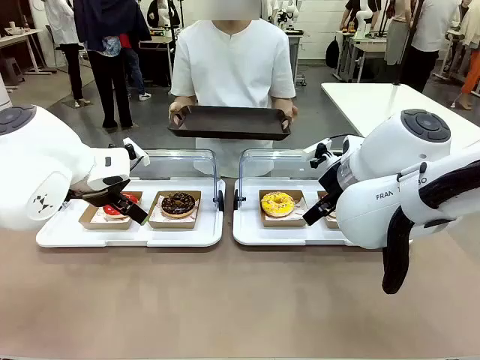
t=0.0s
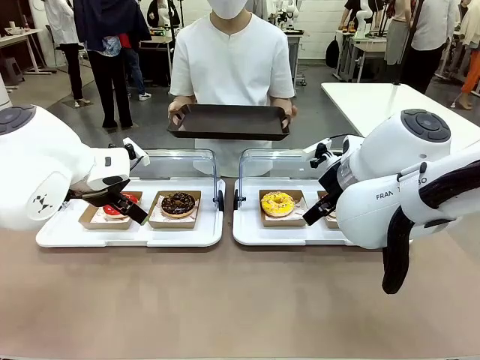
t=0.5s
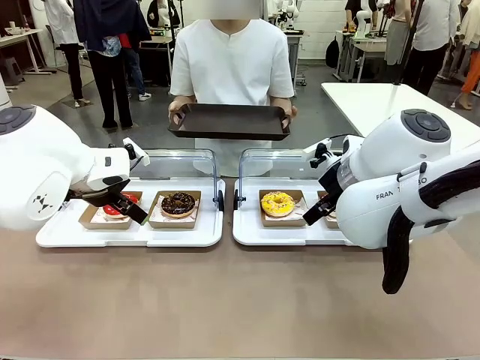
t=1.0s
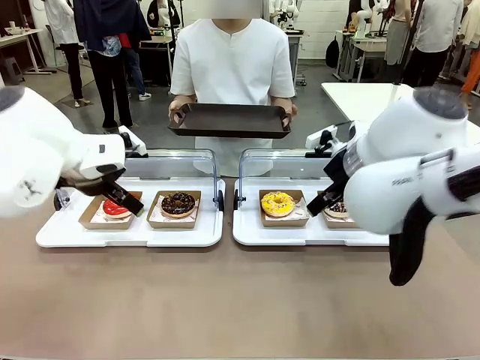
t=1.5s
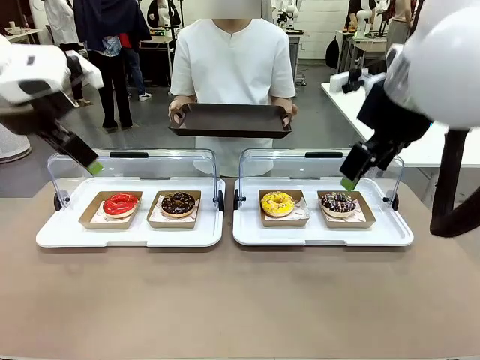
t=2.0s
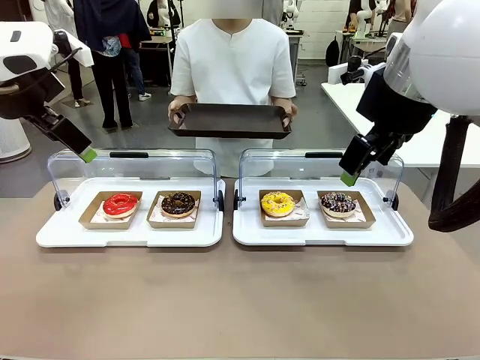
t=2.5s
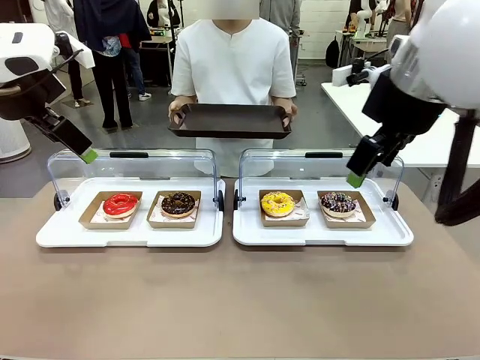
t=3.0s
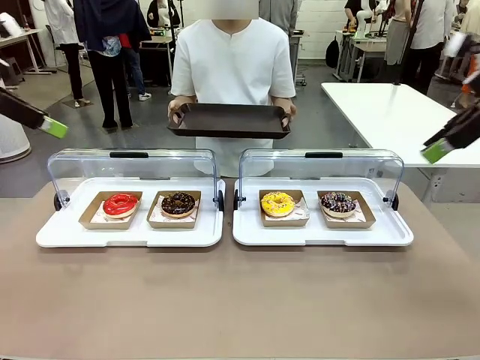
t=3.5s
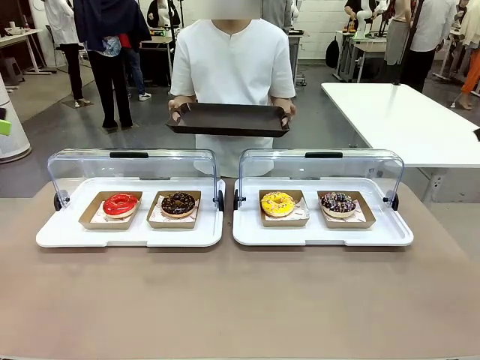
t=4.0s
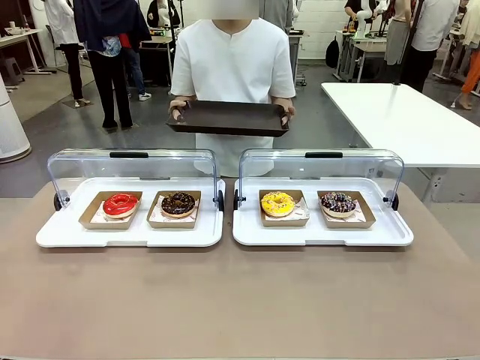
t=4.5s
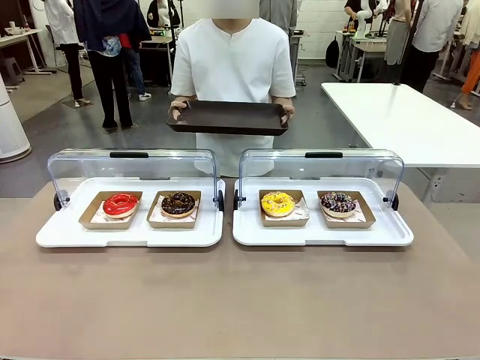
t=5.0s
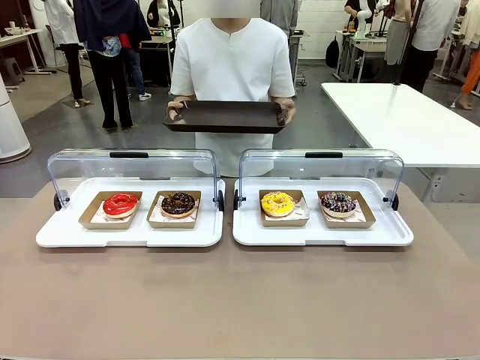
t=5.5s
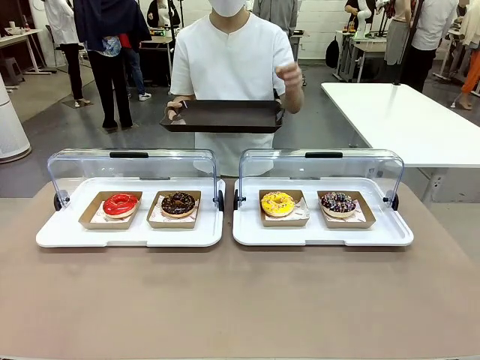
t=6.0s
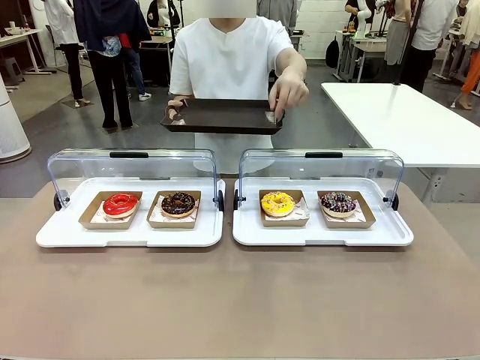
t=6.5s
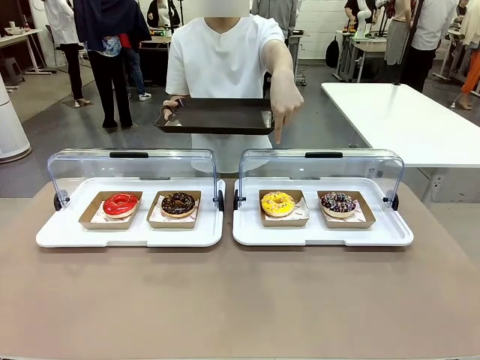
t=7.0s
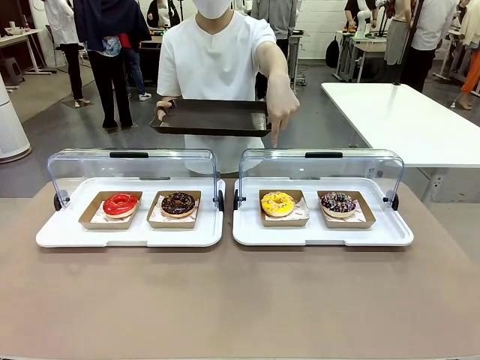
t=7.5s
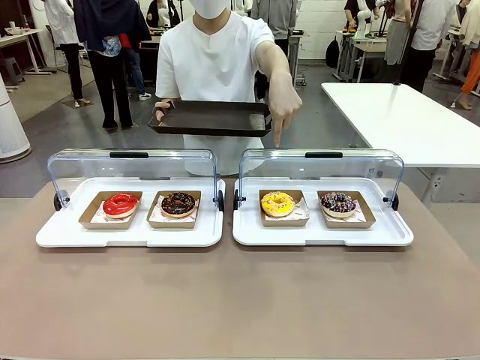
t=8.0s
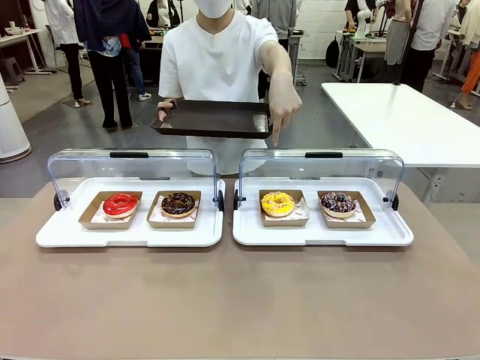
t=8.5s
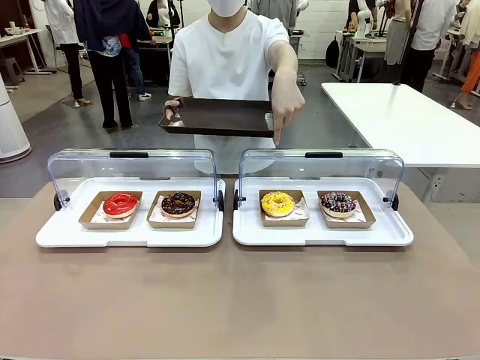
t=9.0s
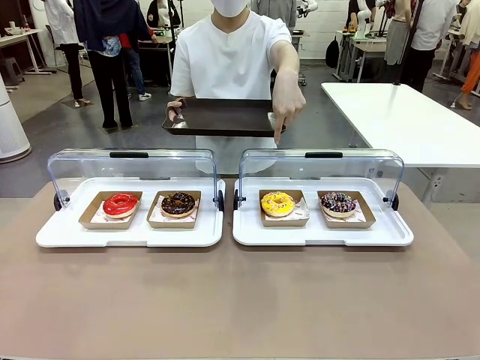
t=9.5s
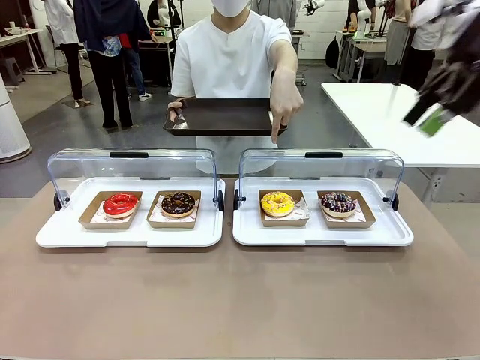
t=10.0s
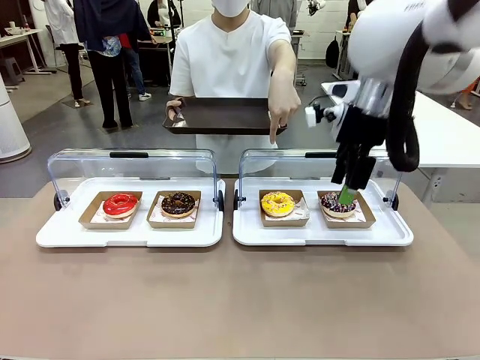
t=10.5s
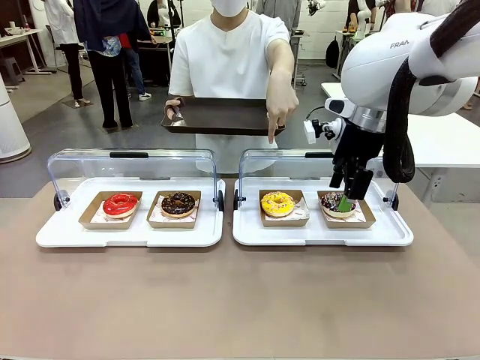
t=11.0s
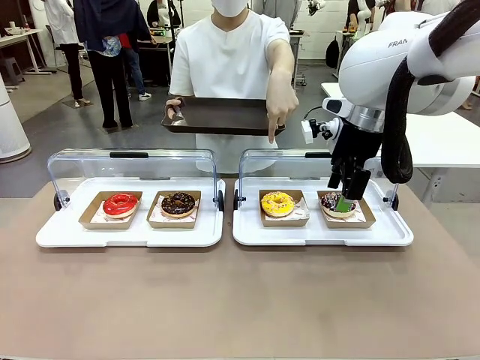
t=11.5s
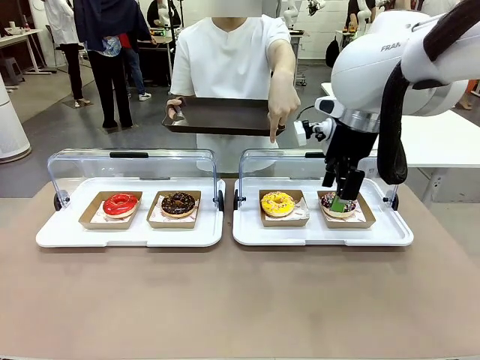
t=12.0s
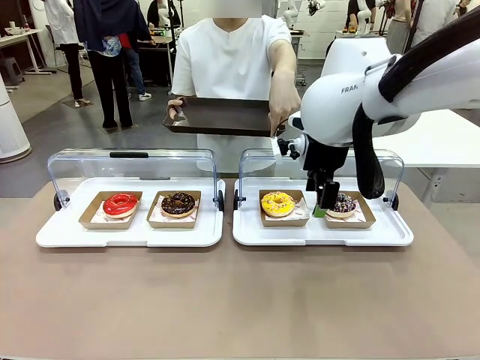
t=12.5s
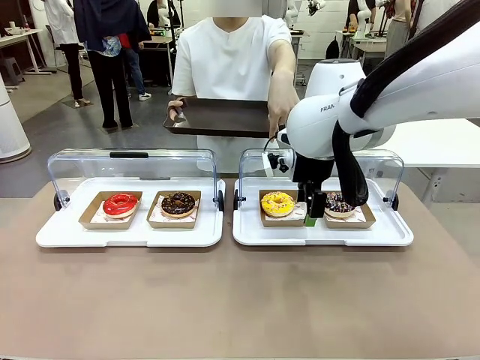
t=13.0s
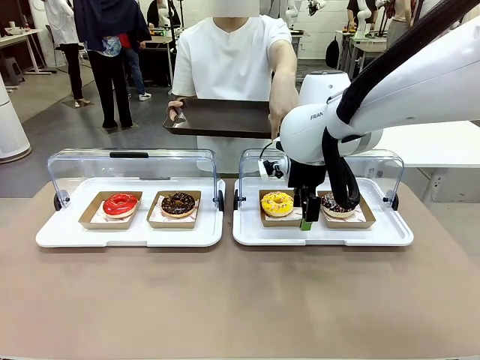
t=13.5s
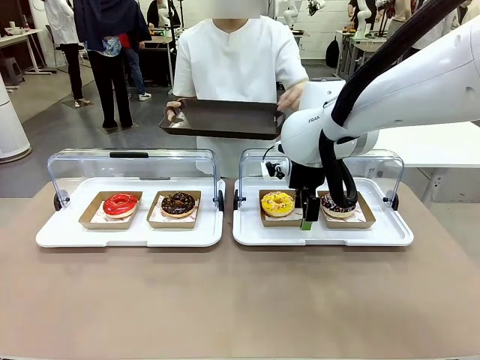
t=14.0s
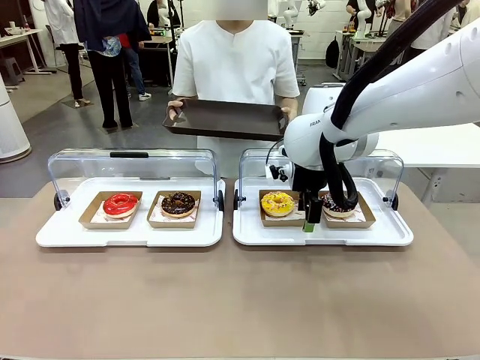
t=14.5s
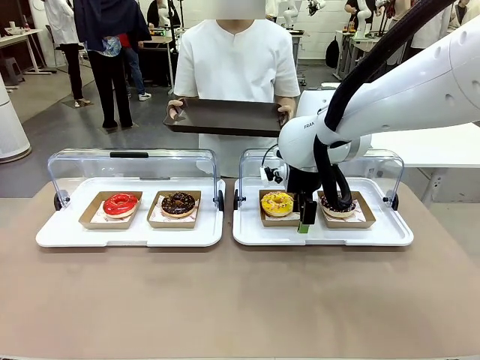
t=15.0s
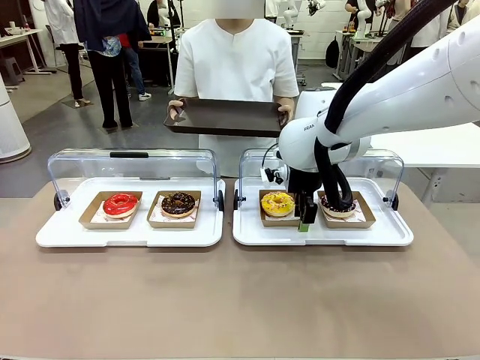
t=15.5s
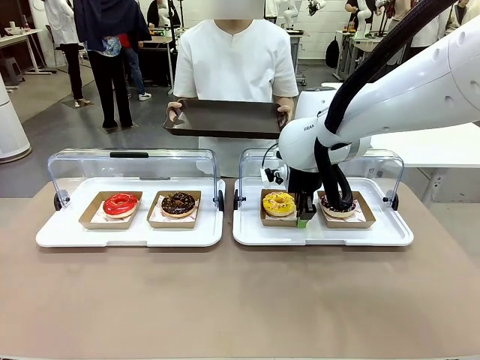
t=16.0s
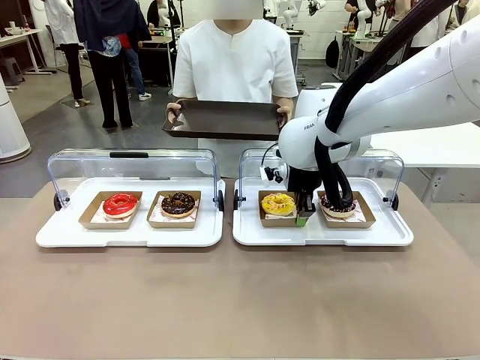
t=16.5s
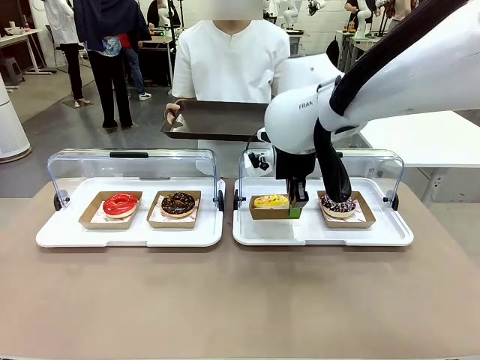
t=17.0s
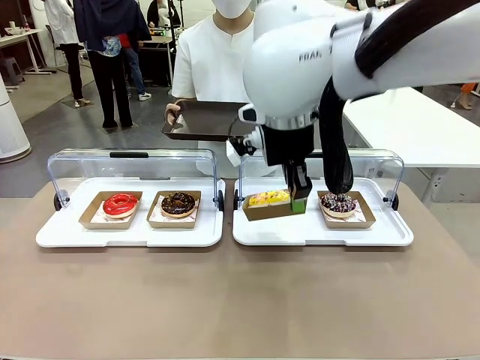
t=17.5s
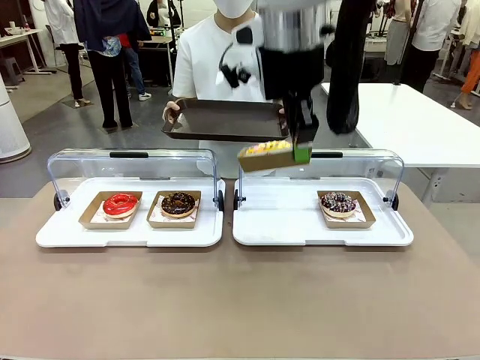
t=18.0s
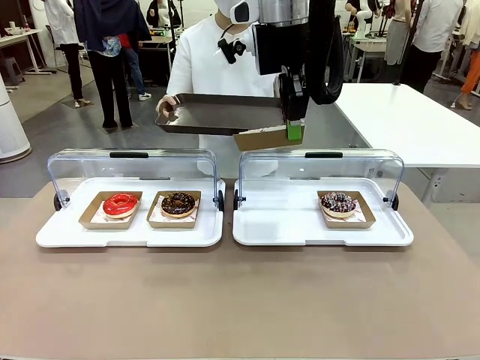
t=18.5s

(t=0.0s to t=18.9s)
Task: Provide the desired donut to the person.
Robot: Pick up and lift the Paper togo box containing the Donut pointed at by the person.
Person: Point to one donut. Lift the tray onto the Roll-Top Bakery Case.

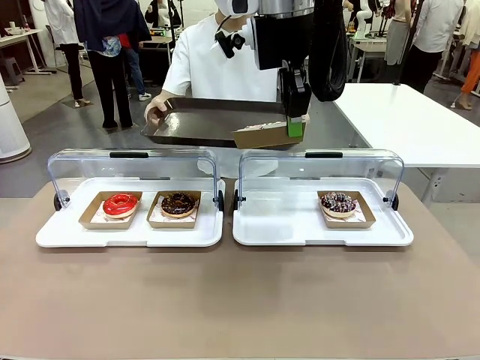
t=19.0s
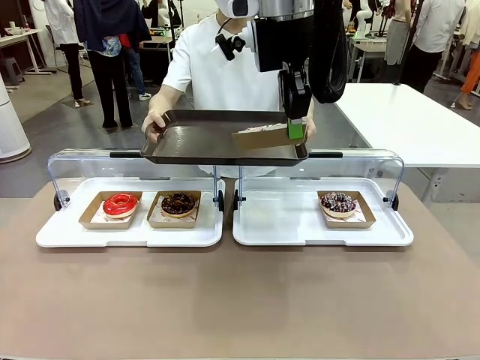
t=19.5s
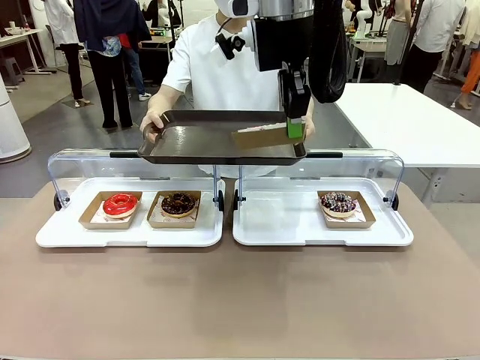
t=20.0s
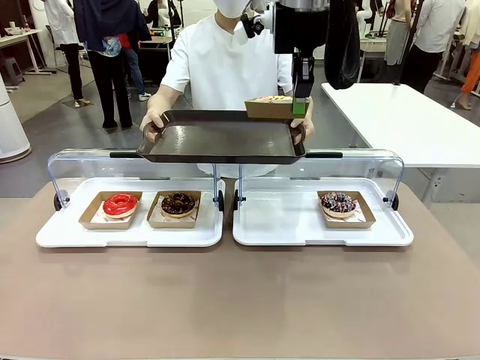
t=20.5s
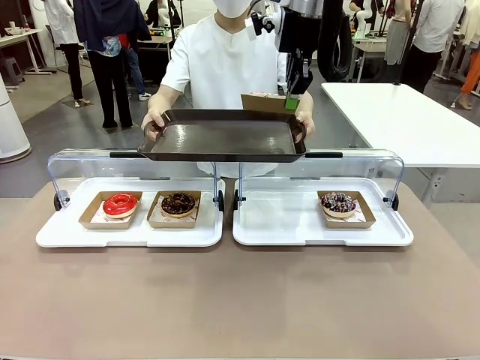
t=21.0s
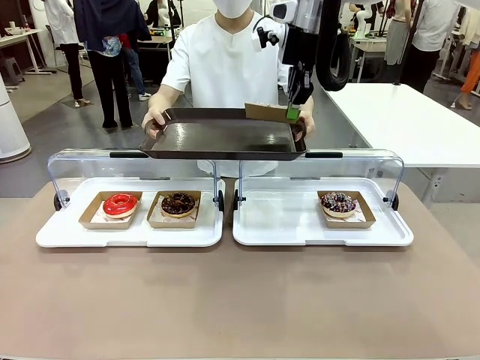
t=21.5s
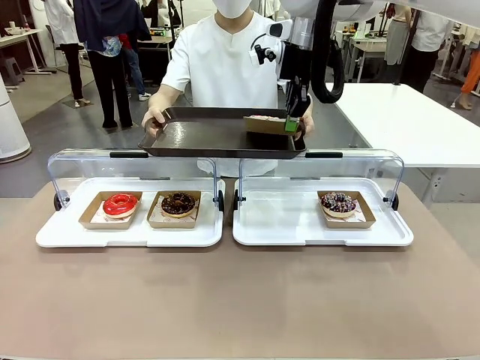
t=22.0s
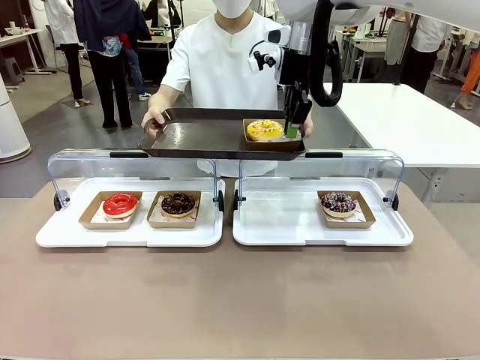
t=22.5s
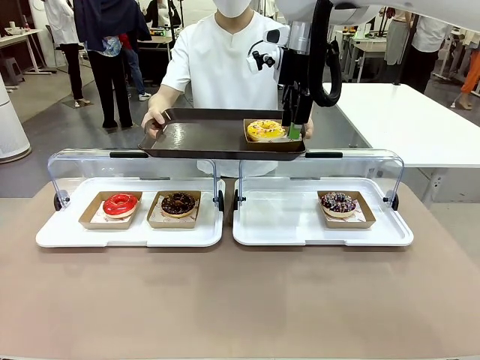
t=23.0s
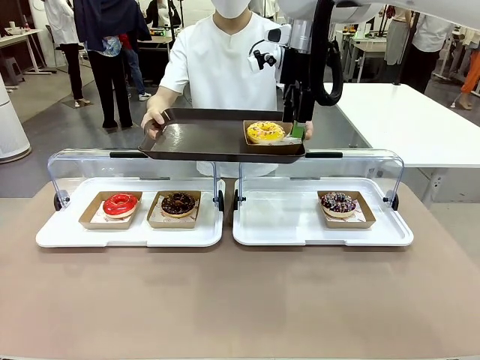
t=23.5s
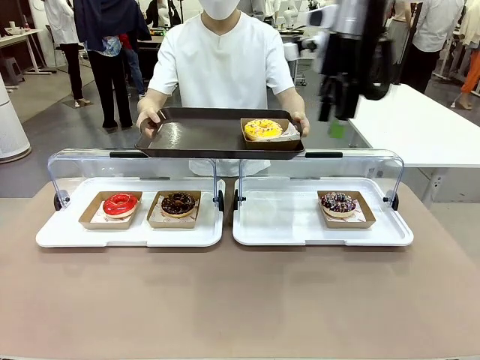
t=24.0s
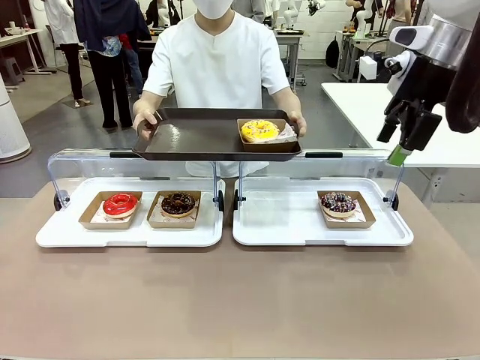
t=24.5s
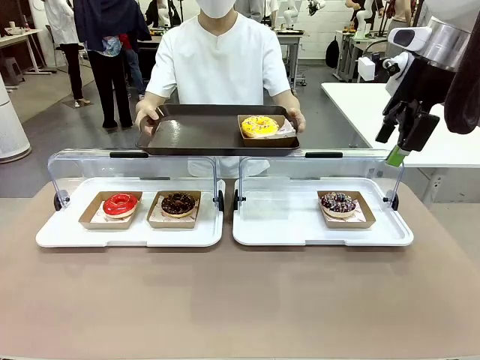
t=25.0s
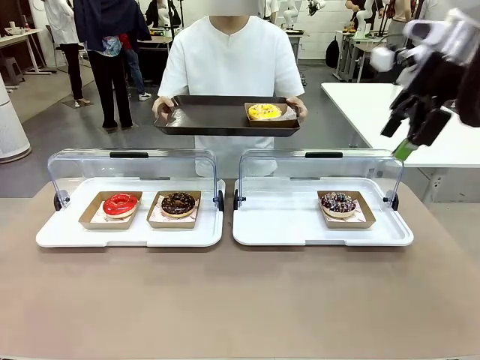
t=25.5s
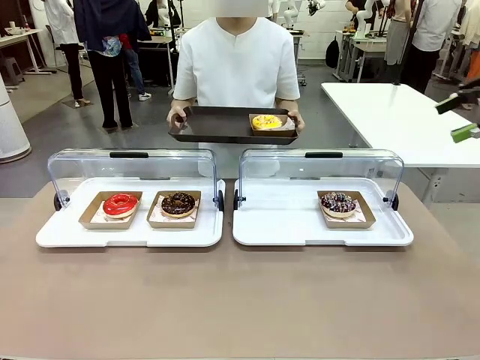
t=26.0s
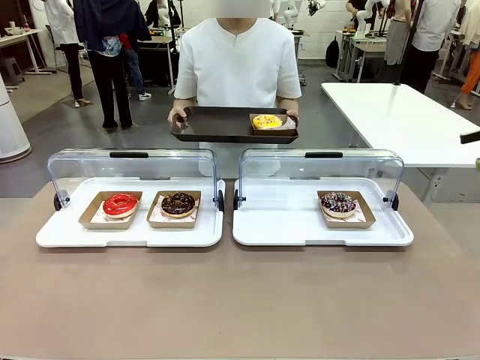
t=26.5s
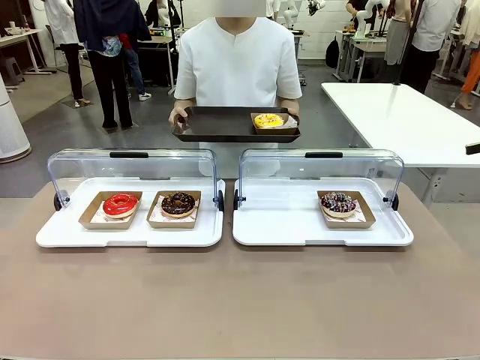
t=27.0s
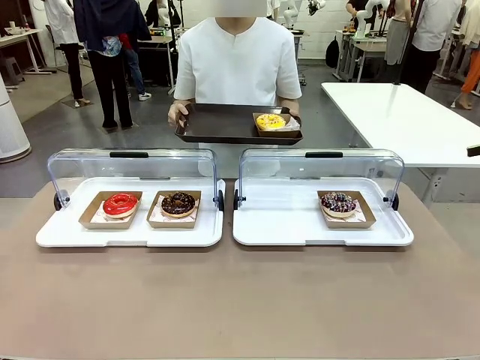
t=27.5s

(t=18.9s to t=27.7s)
Robot: Place the picked Paper togo box onto the Handle tray extended by the person.
Person: Point to one donut.
